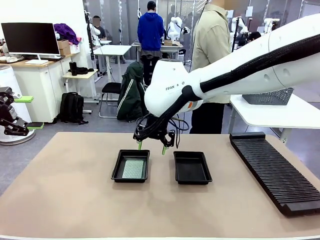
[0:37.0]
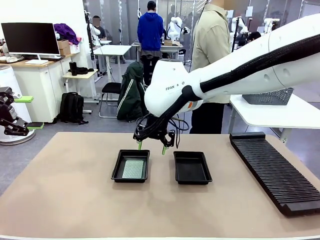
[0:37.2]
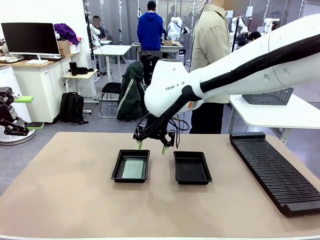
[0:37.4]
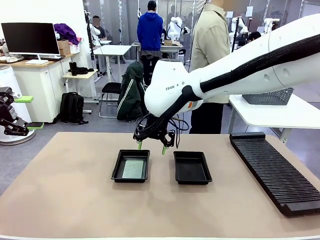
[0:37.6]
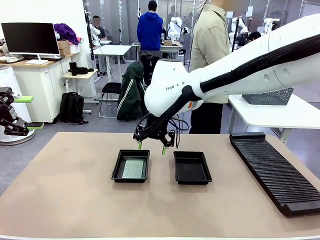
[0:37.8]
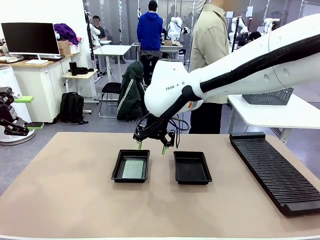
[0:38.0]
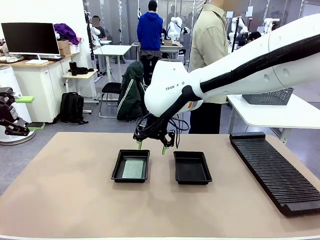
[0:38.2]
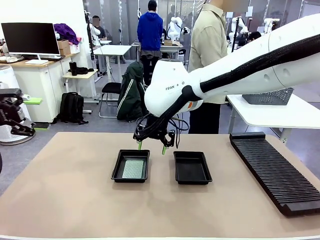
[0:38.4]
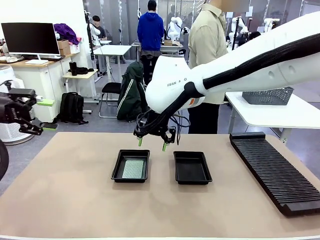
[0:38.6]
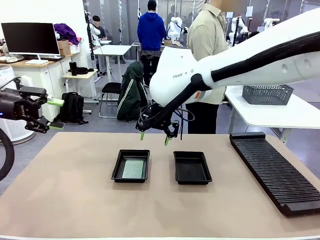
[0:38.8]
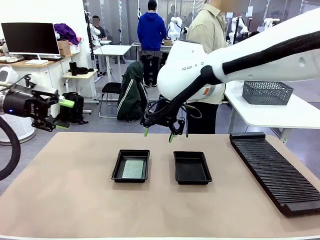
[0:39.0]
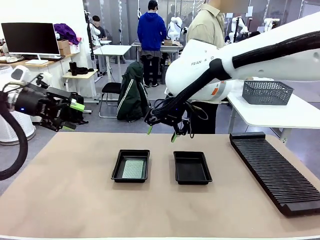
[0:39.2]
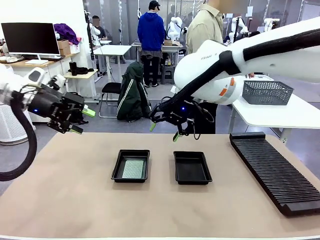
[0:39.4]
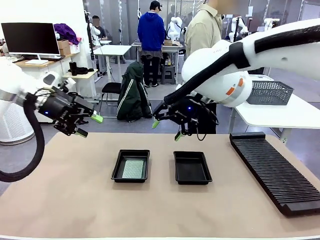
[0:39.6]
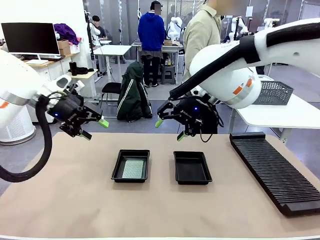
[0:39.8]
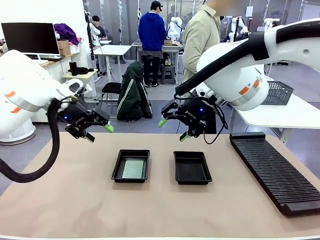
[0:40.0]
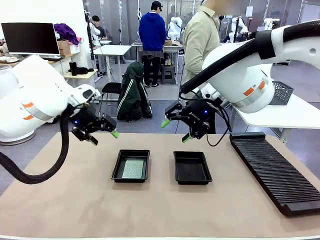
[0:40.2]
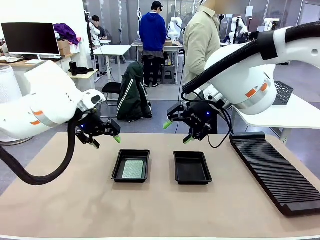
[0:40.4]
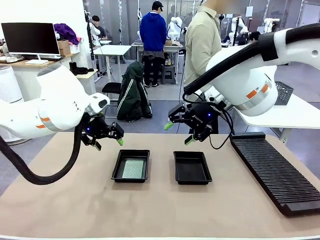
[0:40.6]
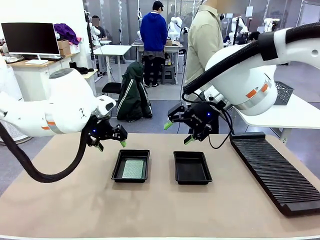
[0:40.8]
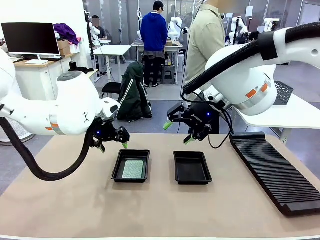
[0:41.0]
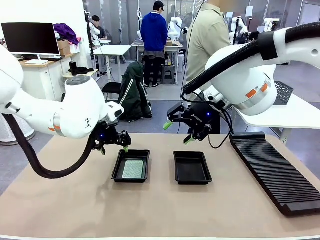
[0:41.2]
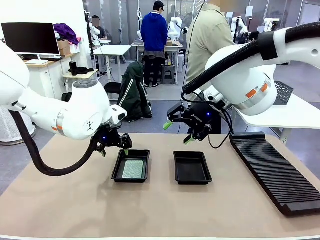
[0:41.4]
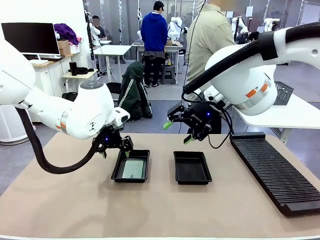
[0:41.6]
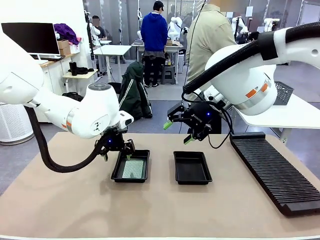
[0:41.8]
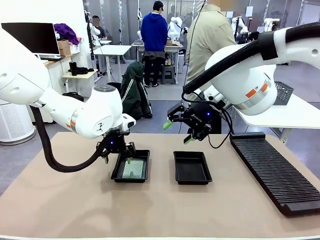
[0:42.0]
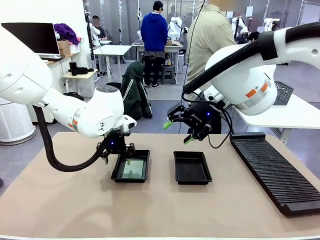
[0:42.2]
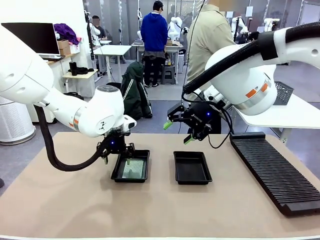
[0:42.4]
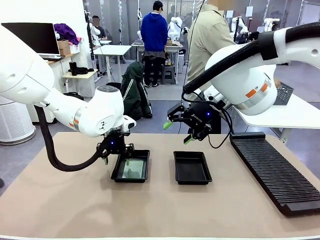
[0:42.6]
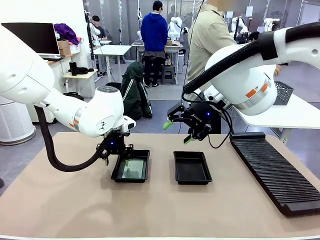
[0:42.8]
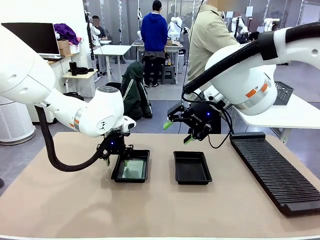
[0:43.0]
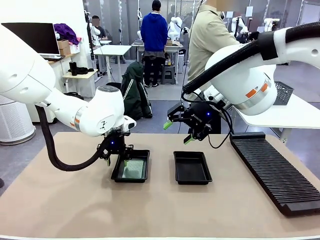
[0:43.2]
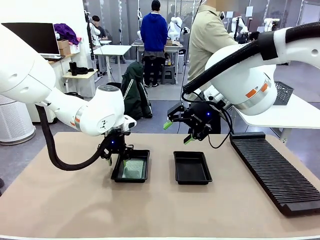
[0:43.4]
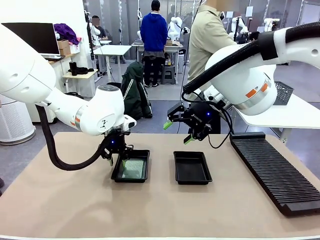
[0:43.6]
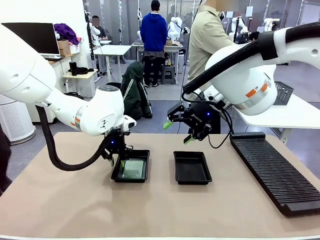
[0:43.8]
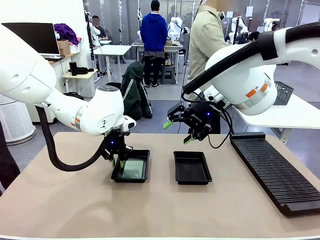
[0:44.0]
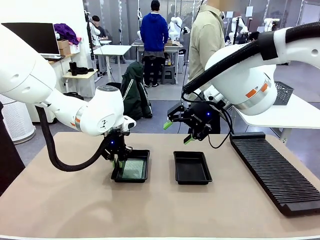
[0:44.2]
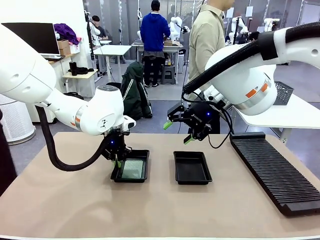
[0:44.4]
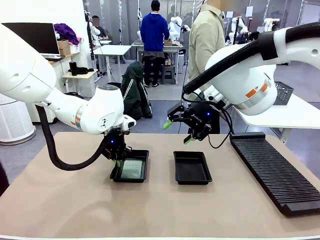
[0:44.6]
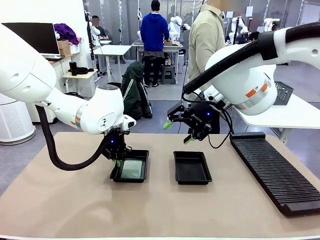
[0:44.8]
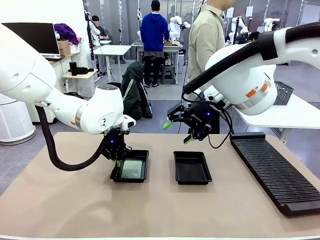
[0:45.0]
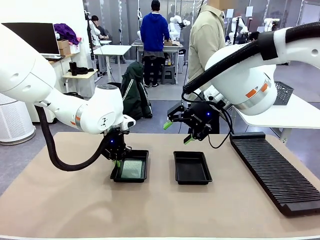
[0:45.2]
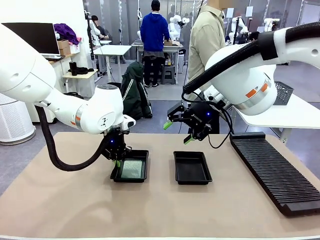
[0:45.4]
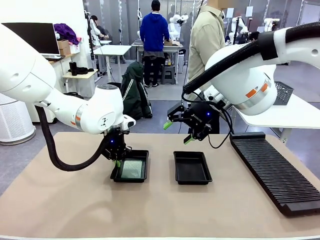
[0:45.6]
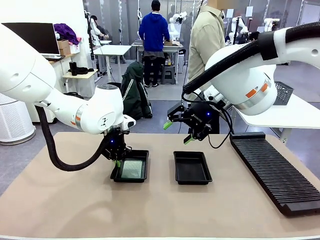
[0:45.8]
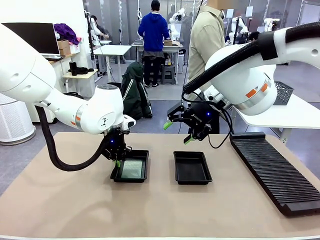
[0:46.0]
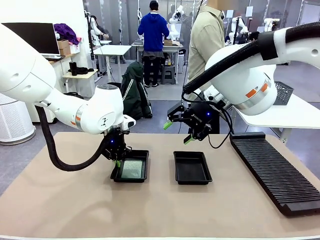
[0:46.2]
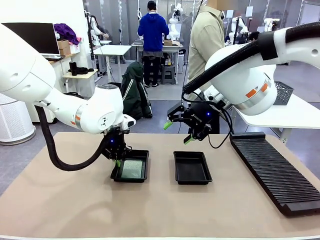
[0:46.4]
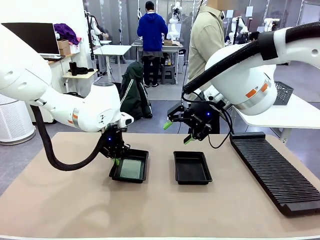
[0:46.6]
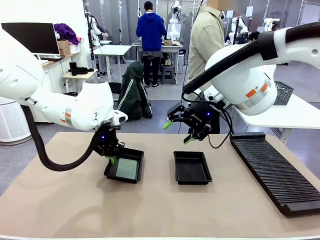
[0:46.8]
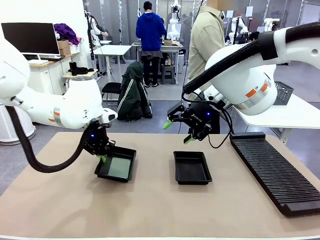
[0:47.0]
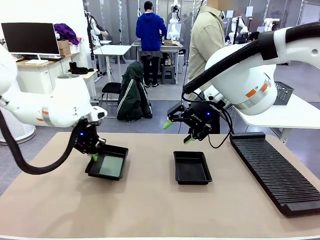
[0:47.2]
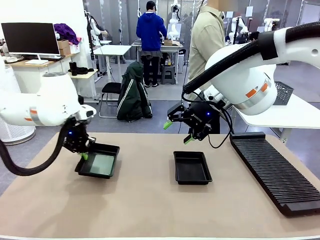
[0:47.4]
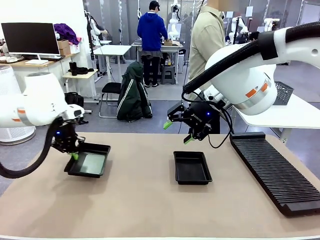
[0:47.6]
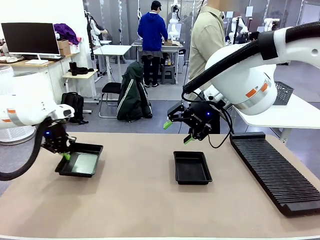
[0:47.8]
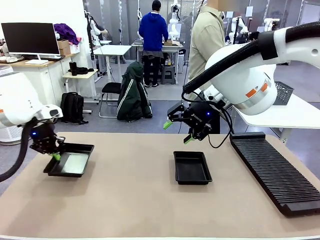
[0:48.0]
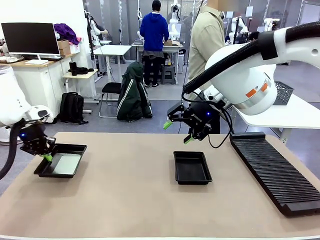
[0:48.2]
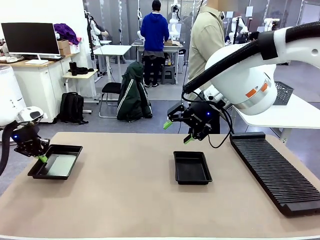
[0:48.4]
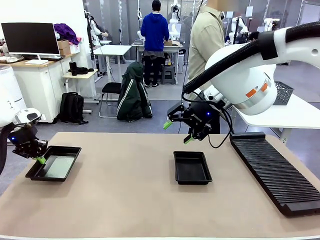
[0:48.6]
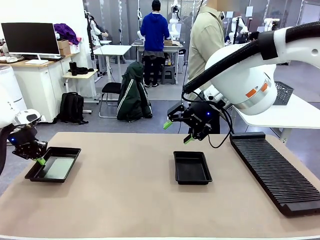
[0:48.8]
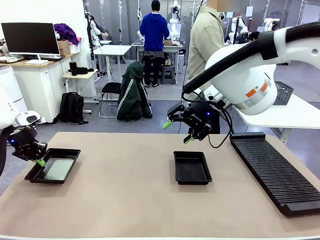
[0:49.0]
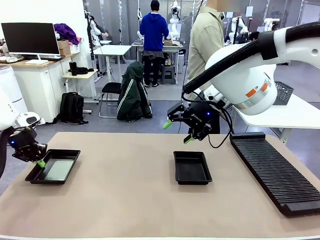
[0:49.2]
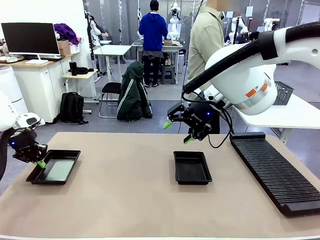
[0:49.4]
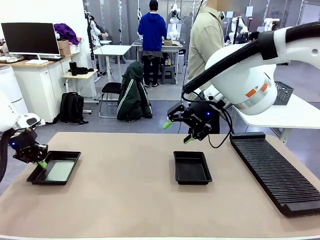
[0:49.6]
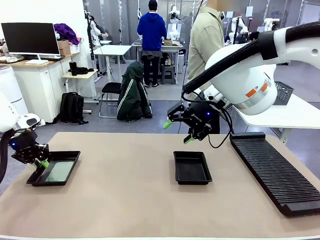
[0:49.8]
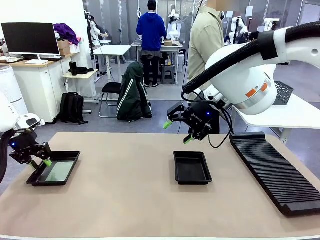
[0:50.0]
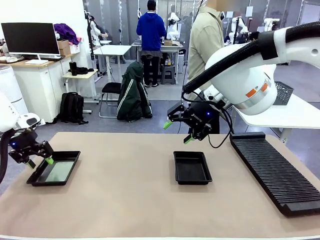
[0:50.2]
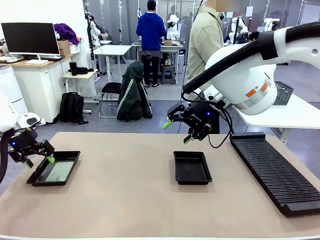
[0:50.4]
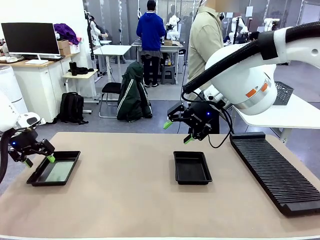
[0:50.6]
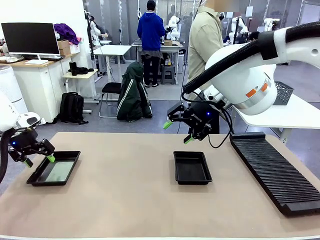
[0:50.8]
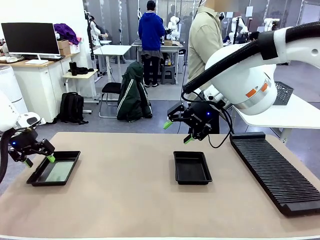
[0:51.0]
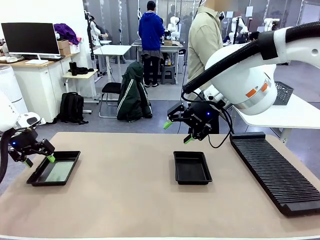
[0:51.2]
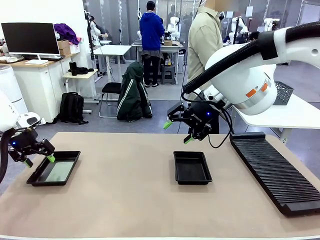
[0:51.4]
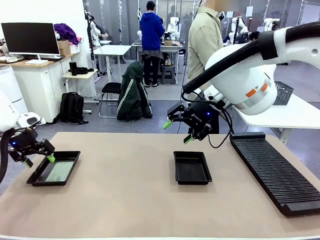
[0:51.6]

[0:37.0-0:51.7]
Task: Inspect and transfer BCBs to ESD trays.
Robot: Pick up the ESD tray and place it on the left side of the table.
